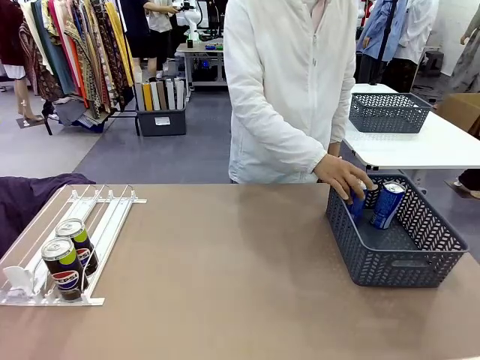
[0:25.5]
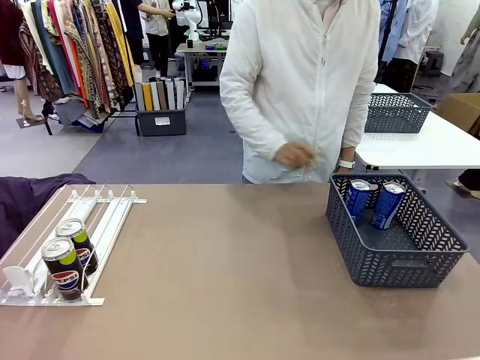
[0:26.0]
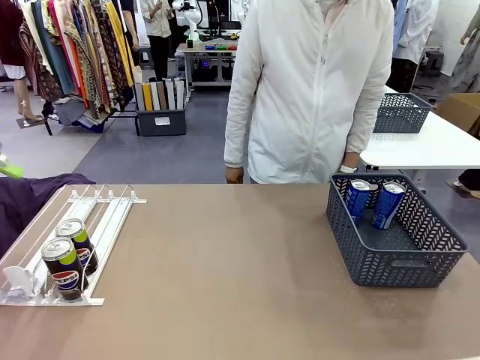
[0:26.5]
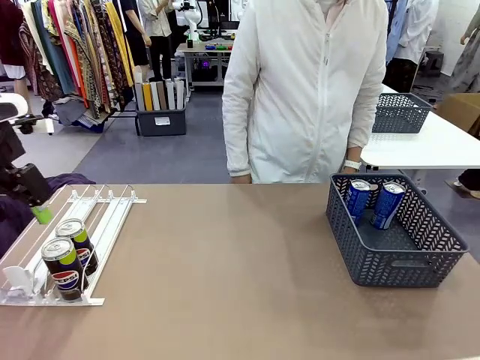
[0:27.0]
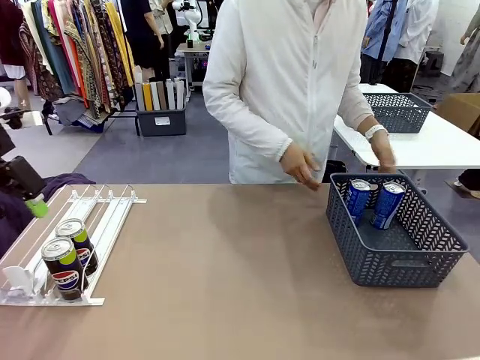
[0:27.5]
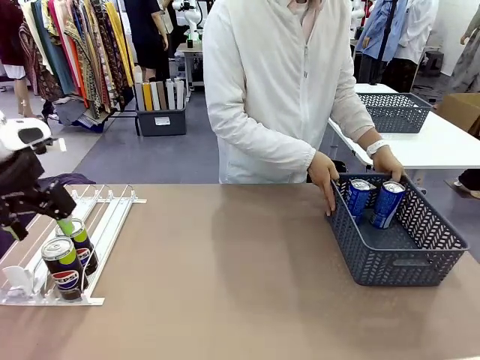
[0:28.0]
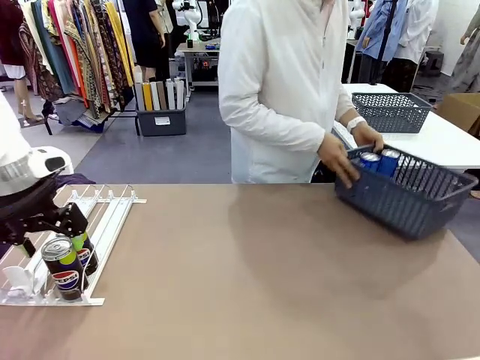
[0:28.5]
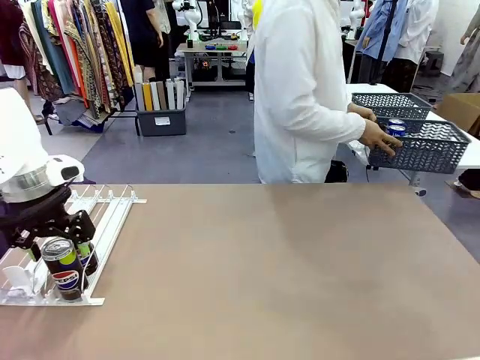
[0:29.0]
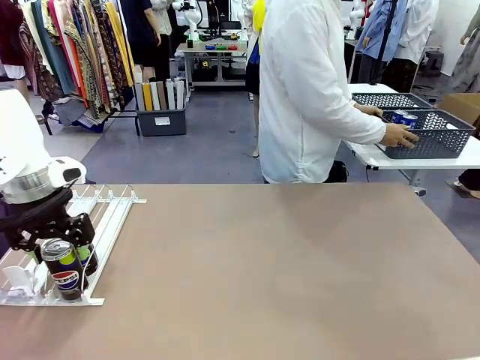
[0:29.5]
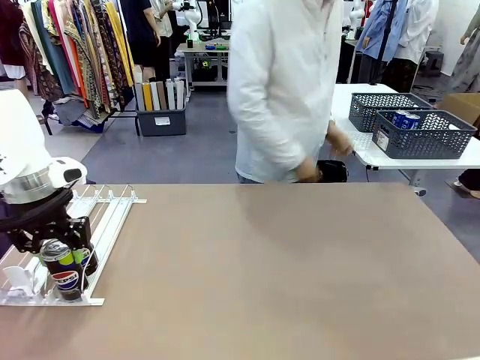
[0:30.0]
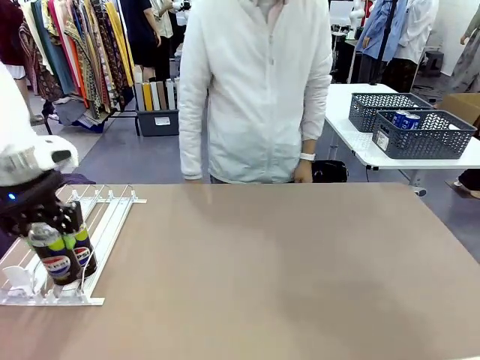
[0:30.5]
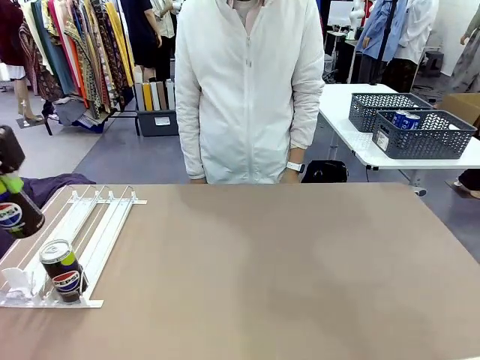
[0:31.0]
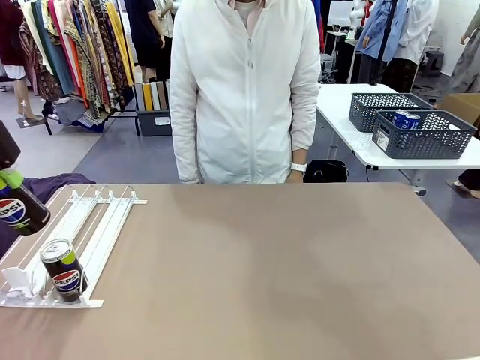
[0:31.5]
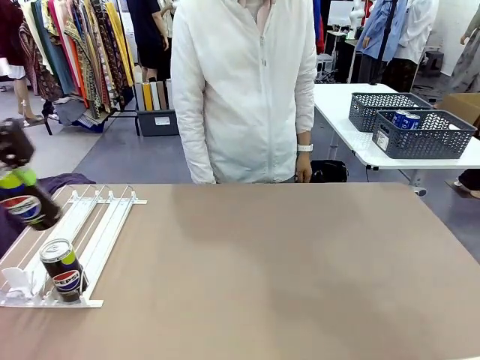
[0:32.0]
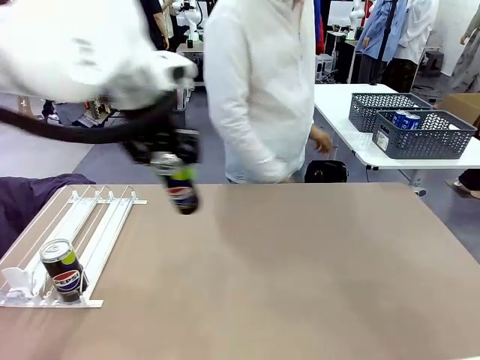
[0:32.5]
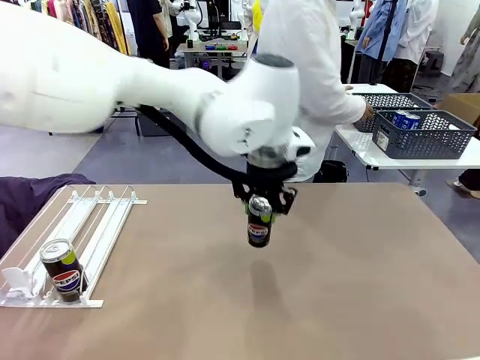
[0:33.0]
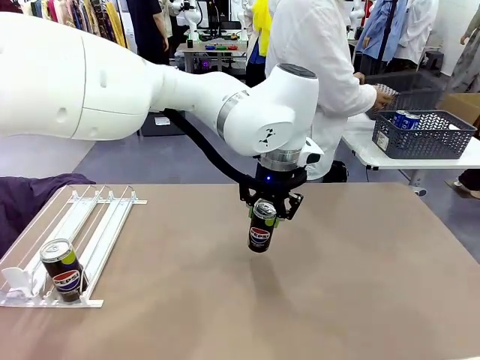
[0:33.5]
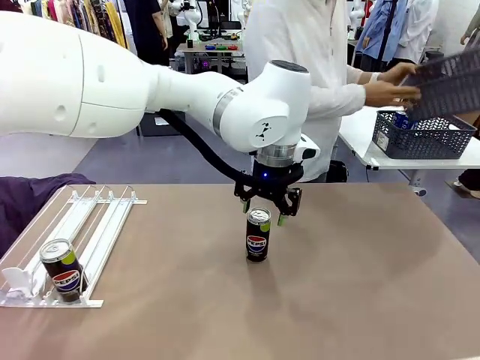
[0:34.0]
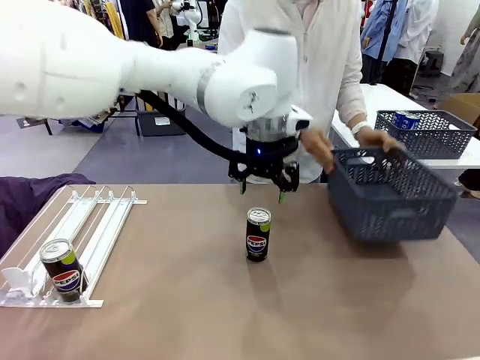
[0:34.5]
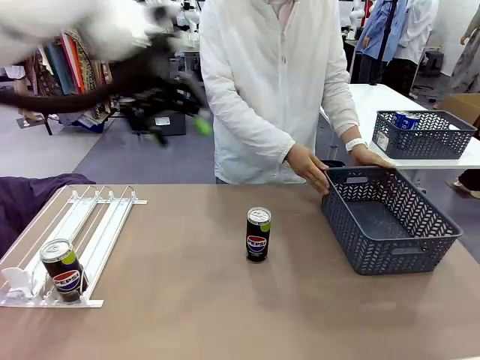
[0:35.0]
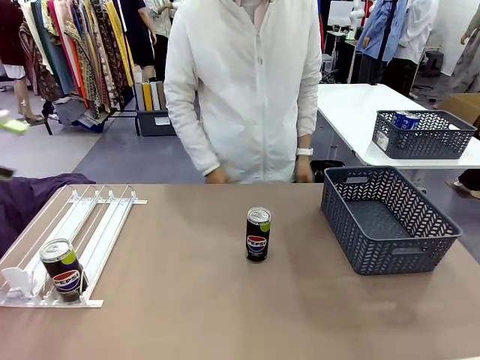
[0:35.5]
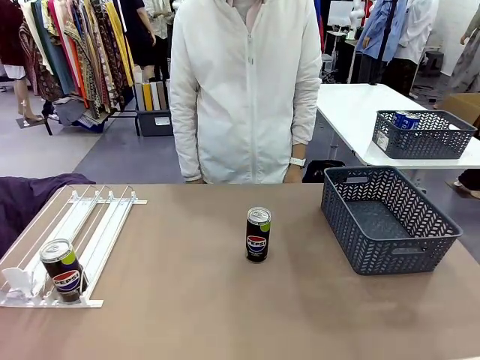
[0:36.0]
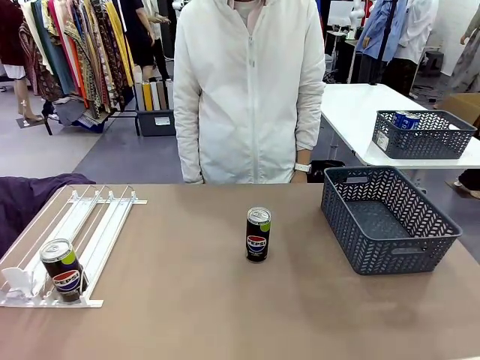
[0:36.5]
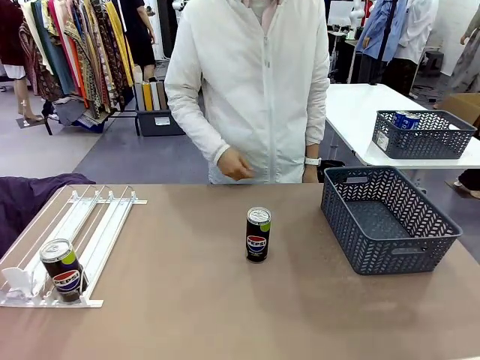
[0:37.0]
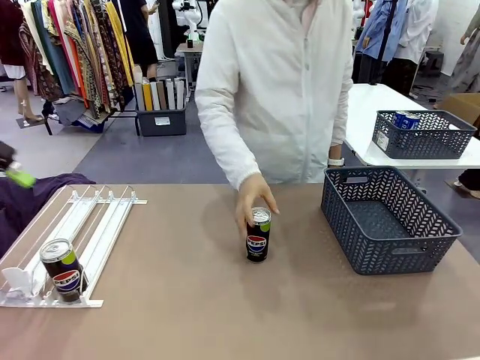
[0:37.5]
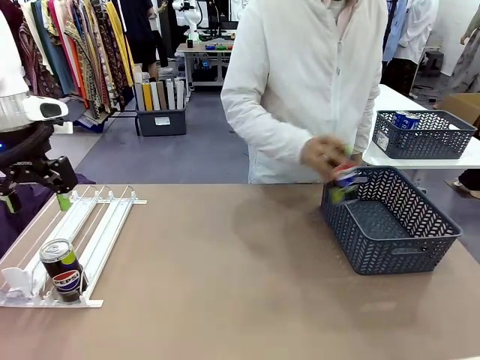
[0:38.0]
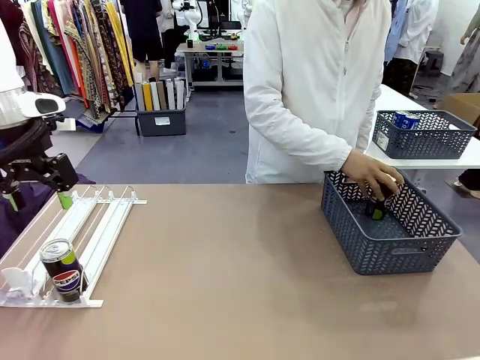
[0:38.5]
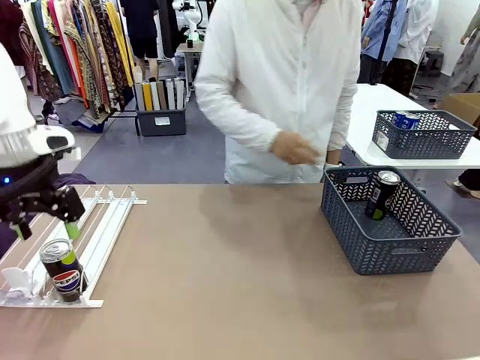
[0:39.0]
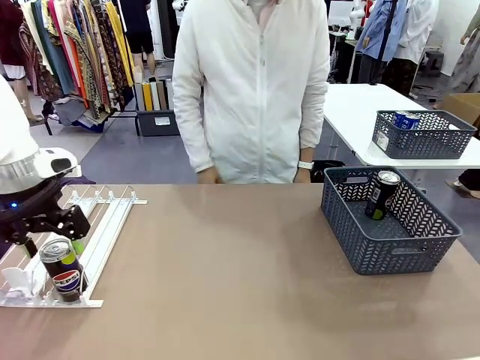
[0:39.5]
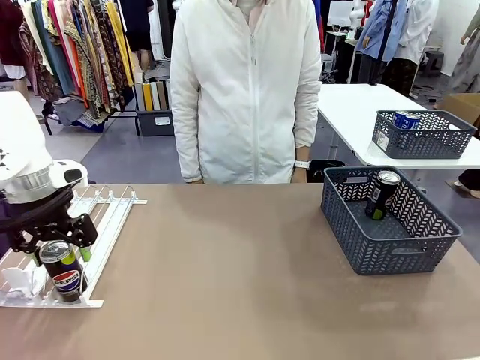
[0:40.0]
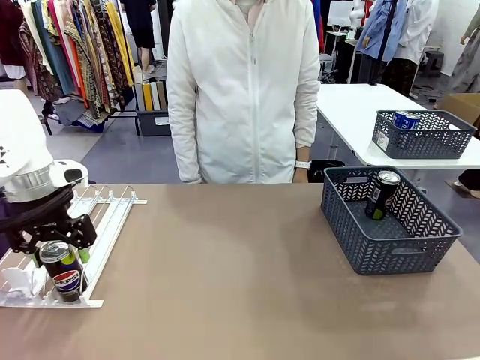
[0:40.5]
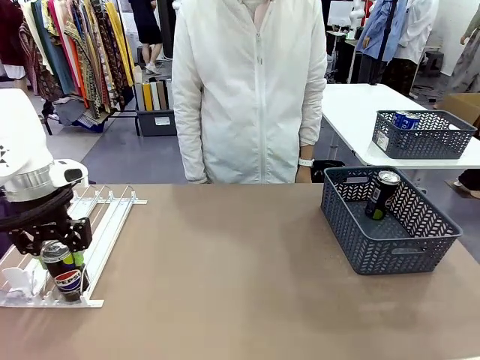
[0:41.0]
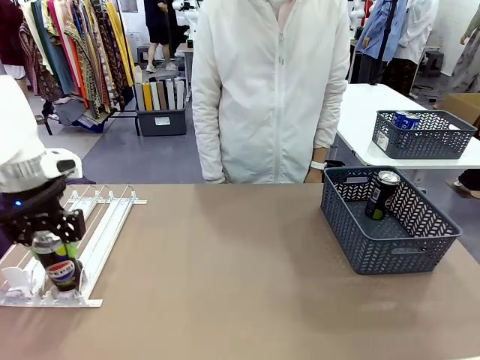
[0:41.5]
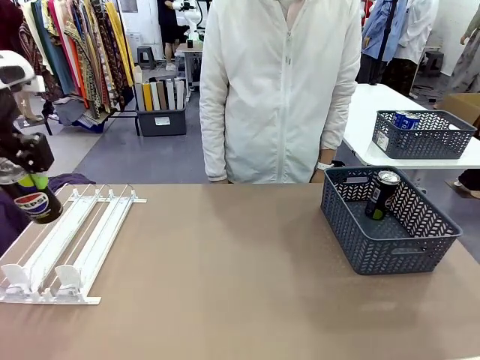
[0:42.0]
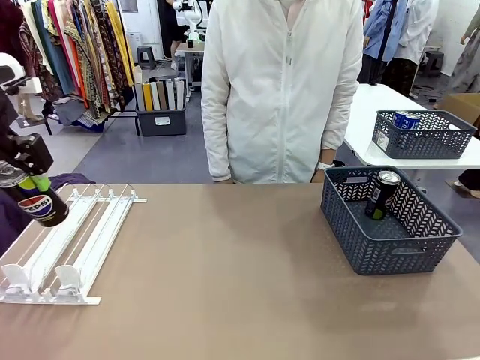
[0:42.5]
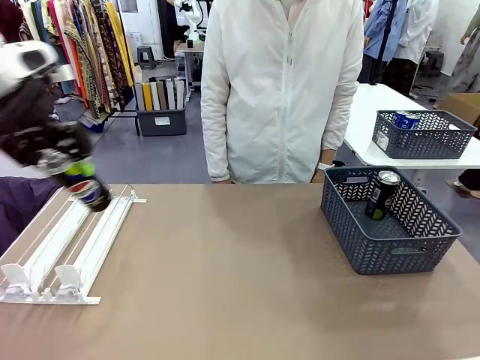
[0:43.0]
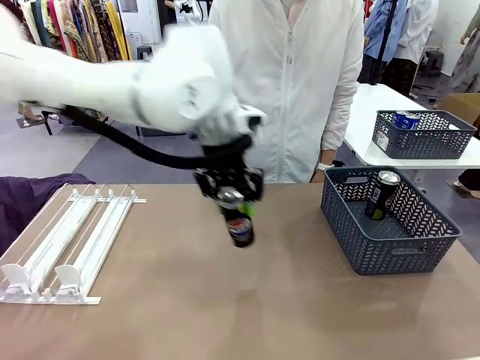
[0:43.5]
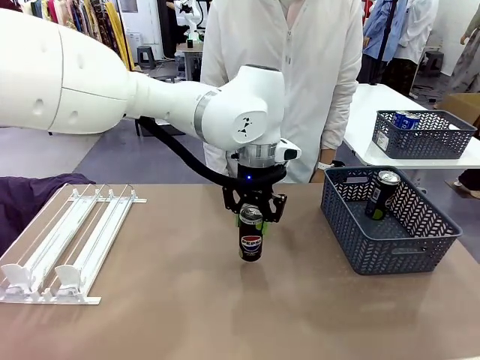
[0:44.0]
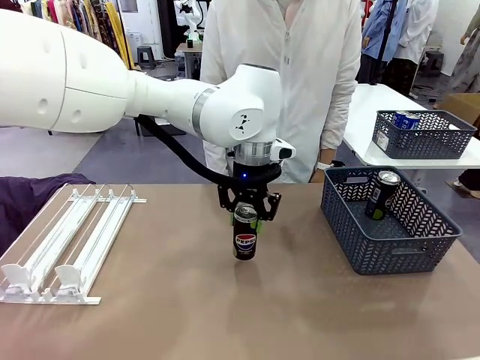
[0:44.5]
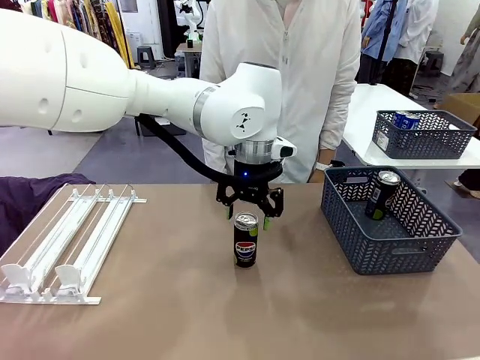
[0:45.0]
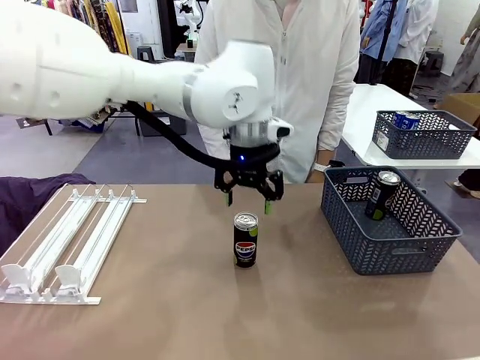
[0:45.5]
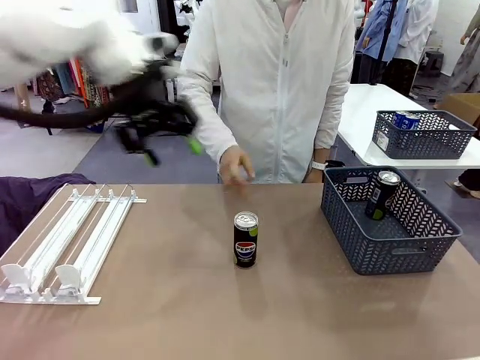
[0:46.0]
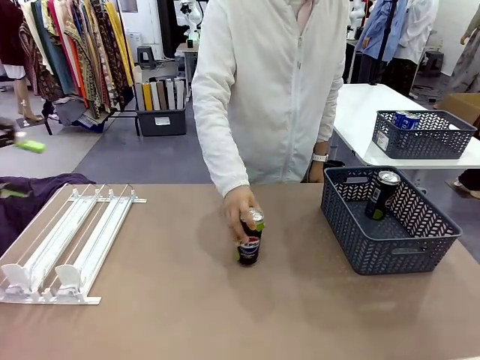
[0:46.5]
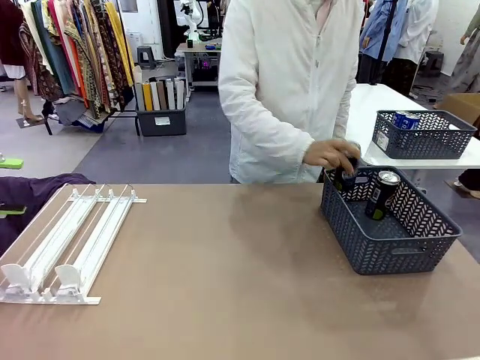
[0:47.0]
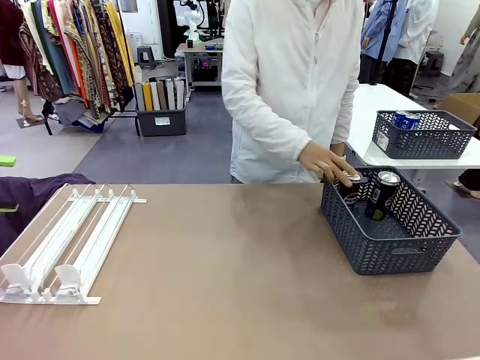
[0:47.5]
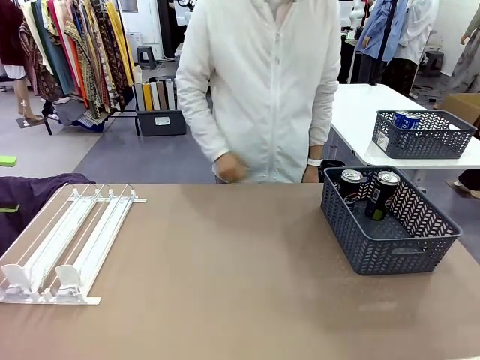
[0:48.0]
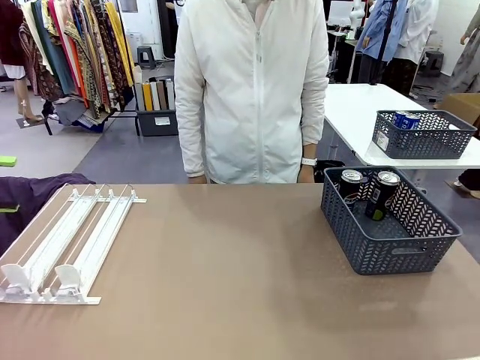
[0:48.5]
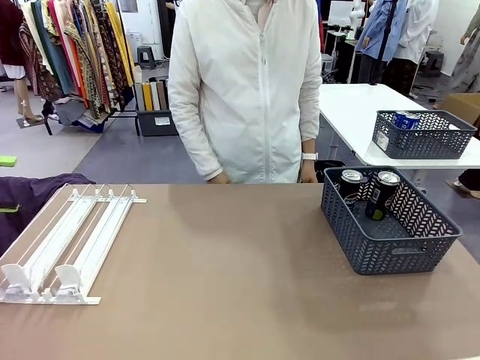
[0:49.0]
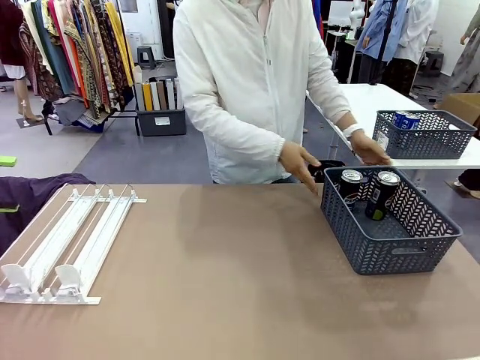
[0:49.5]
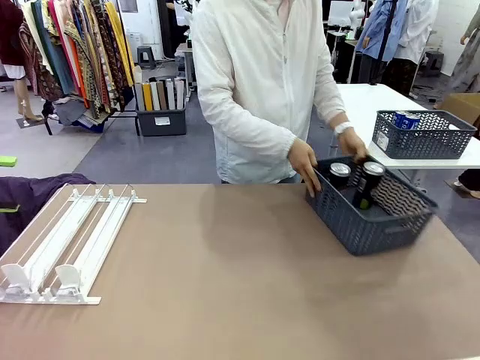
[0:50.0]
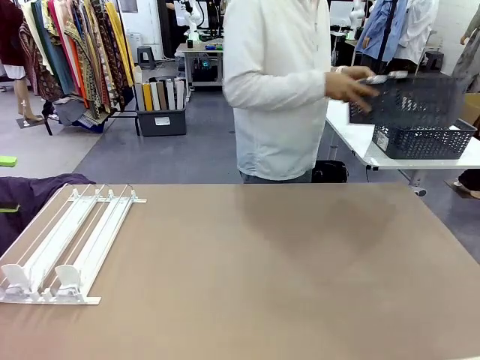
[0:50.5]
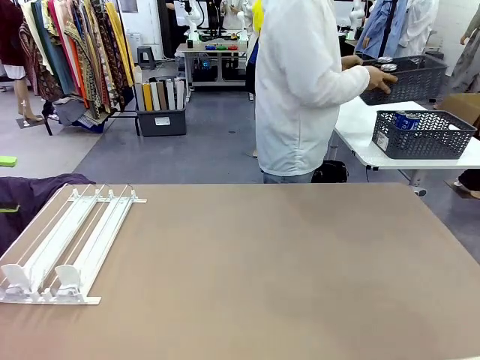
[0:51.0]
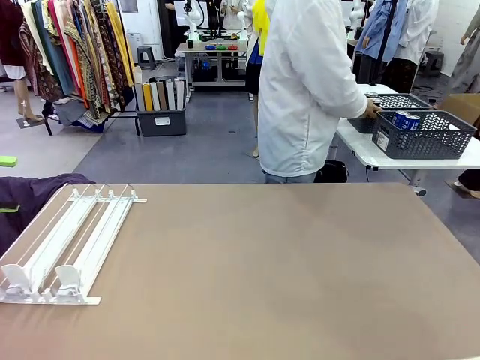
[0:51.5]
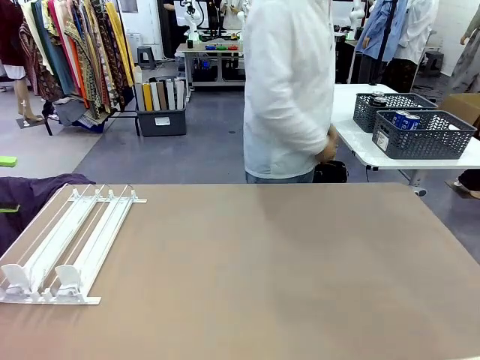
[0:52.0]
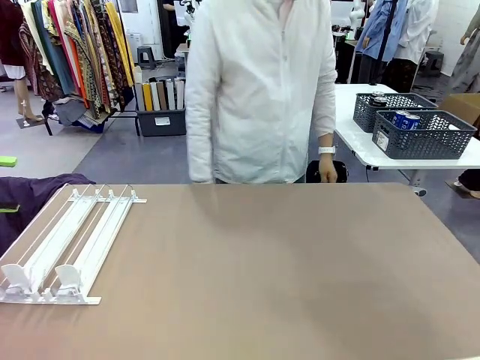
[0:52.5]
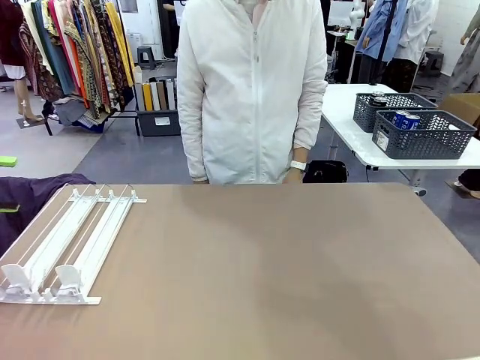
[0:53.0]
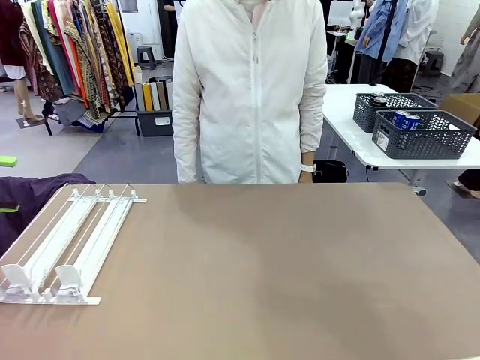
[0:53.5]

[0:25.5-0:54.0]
Task: Retrieve and store the cans from the dispenser.
Robot: Pick up one can from the Automatic Can Dispenser and place it in the middle of the table.
Person: Pick up the basket and place it in the middle of the human table. Pick up the empty basket and place it on the left side of the robot table. Pick up one sports drink can from the middle of the robot table and place it in the basket. Pick up the basket and place it in the middle of the human table.
